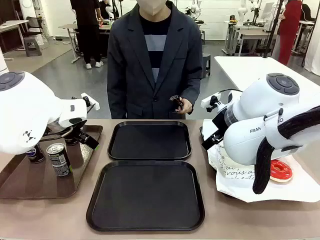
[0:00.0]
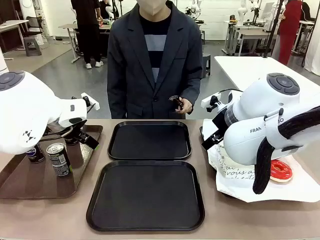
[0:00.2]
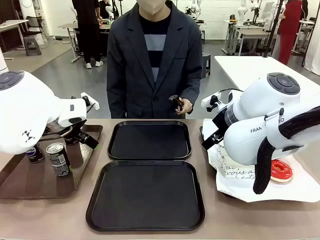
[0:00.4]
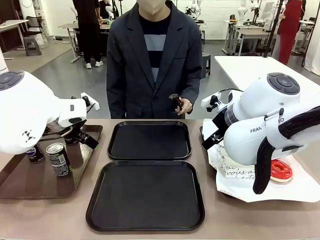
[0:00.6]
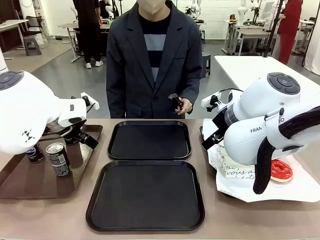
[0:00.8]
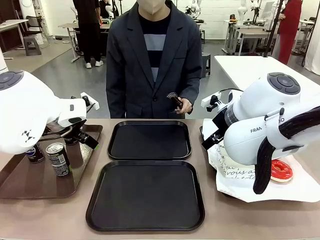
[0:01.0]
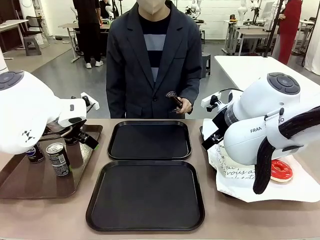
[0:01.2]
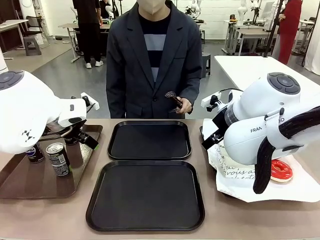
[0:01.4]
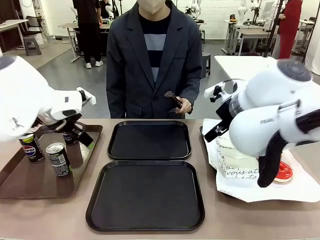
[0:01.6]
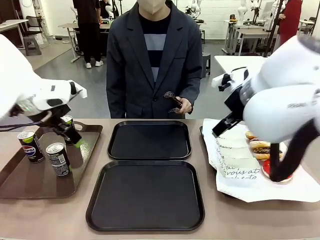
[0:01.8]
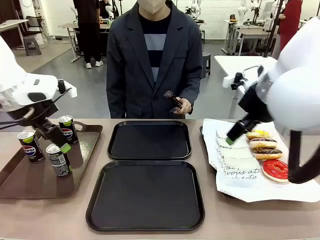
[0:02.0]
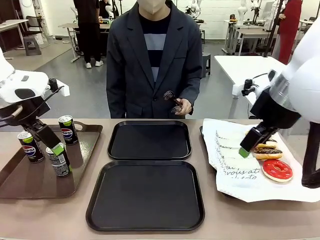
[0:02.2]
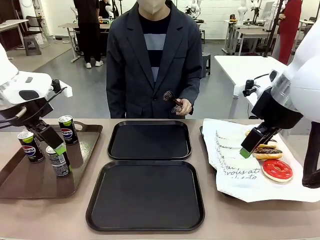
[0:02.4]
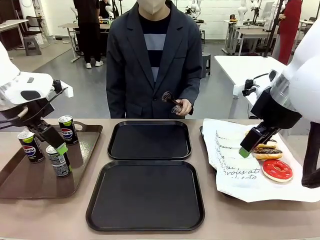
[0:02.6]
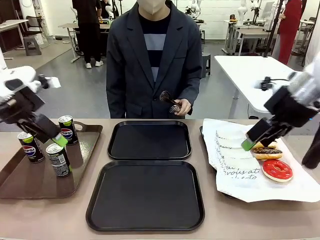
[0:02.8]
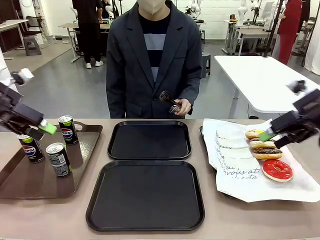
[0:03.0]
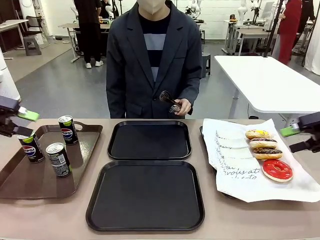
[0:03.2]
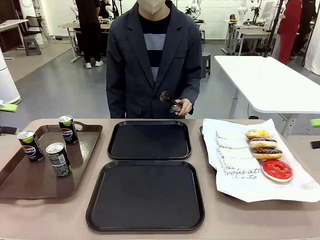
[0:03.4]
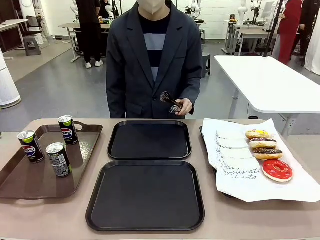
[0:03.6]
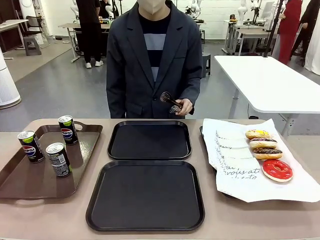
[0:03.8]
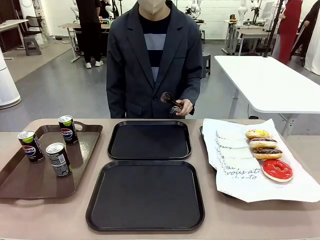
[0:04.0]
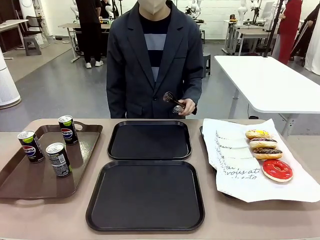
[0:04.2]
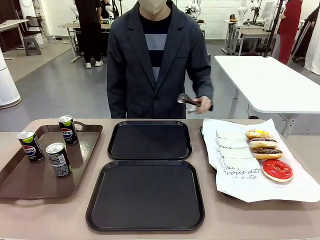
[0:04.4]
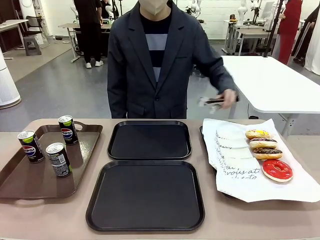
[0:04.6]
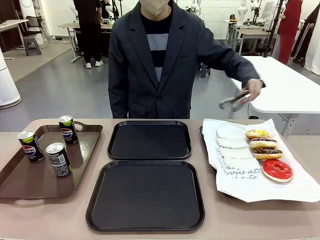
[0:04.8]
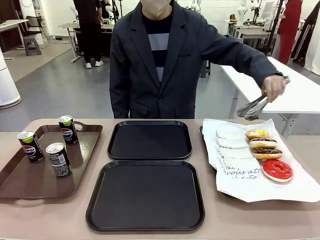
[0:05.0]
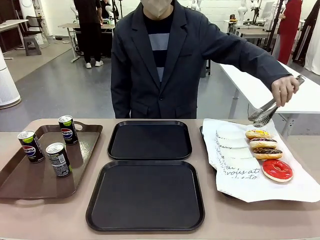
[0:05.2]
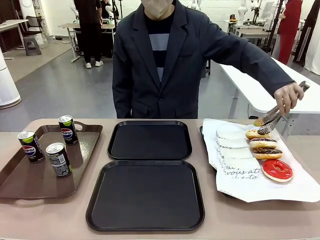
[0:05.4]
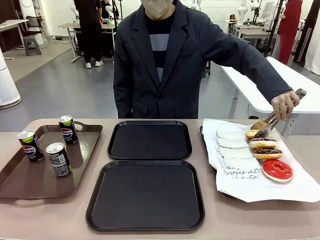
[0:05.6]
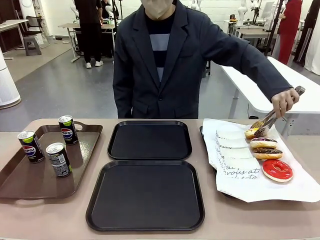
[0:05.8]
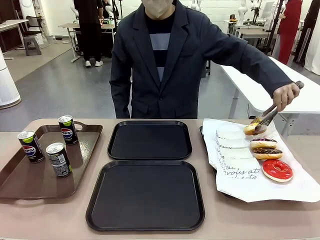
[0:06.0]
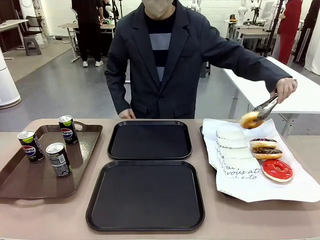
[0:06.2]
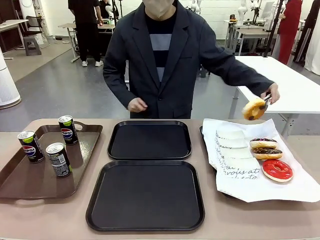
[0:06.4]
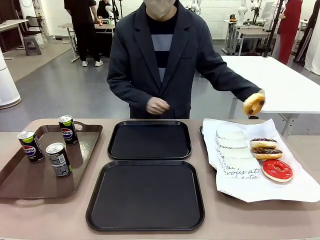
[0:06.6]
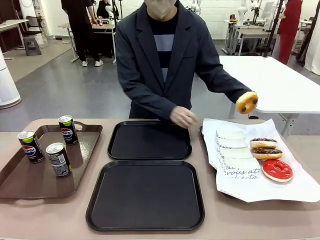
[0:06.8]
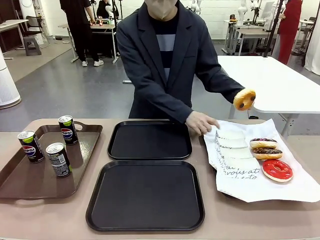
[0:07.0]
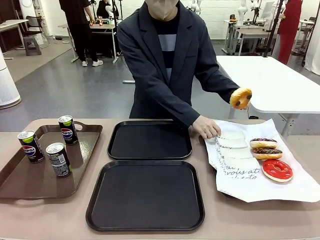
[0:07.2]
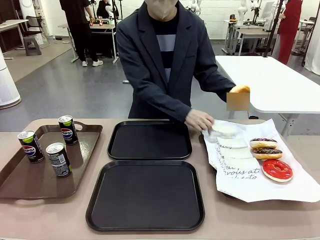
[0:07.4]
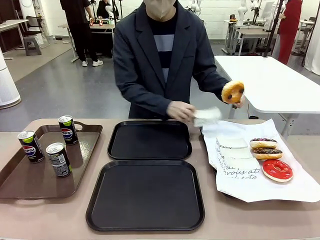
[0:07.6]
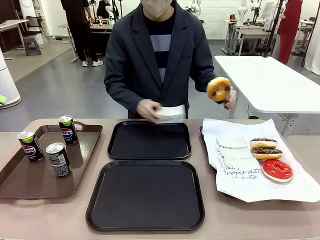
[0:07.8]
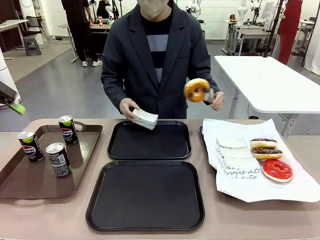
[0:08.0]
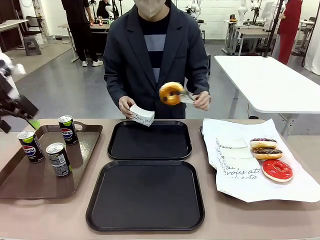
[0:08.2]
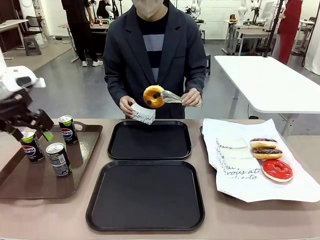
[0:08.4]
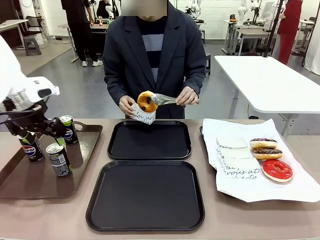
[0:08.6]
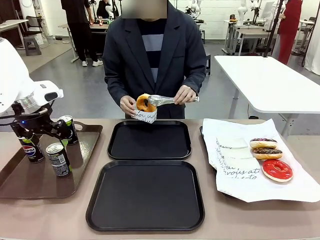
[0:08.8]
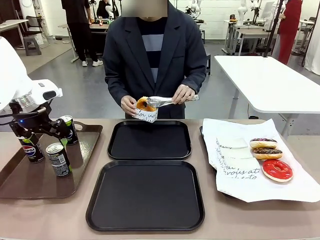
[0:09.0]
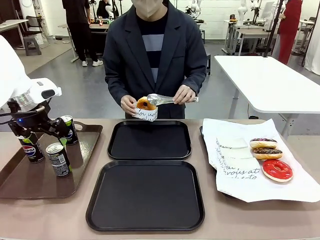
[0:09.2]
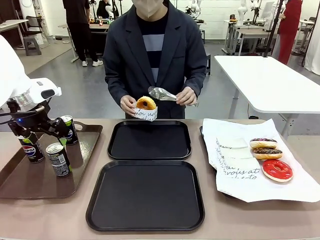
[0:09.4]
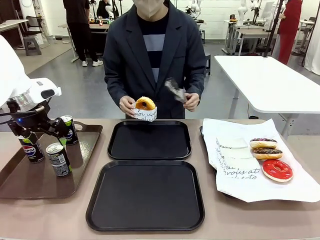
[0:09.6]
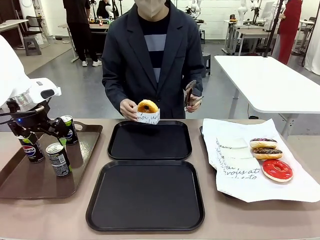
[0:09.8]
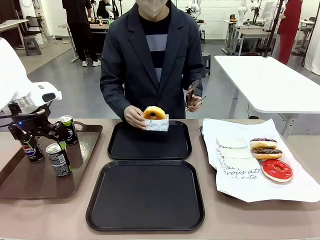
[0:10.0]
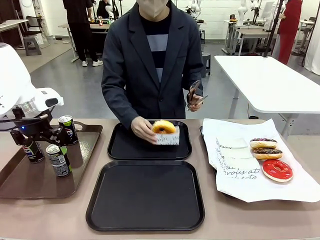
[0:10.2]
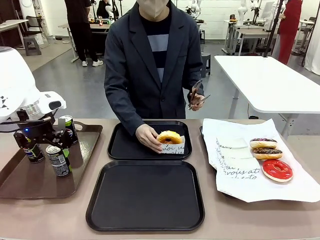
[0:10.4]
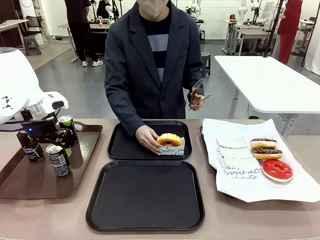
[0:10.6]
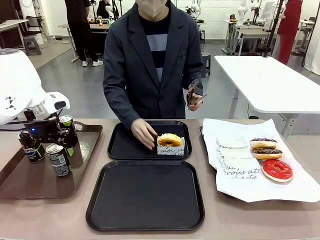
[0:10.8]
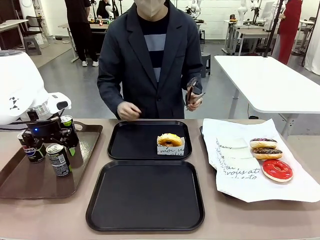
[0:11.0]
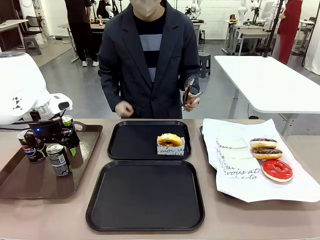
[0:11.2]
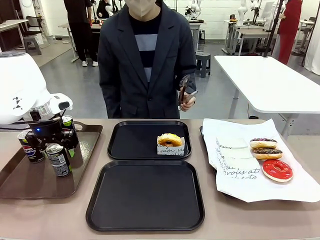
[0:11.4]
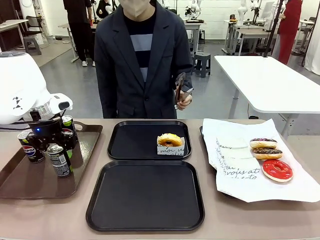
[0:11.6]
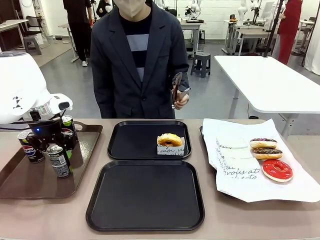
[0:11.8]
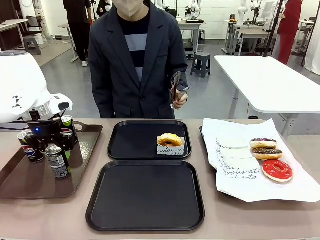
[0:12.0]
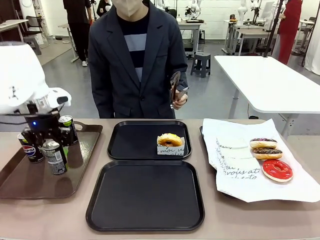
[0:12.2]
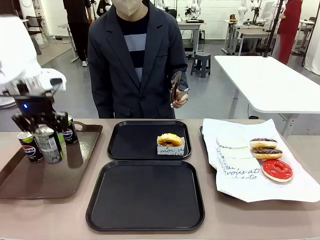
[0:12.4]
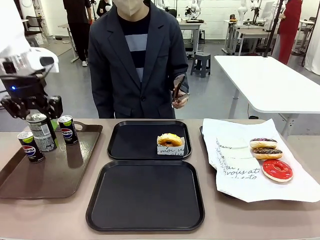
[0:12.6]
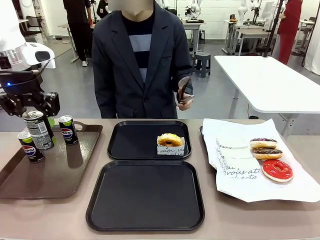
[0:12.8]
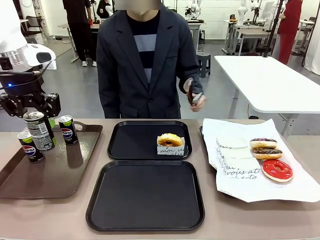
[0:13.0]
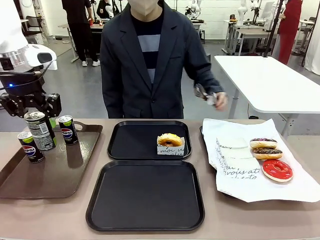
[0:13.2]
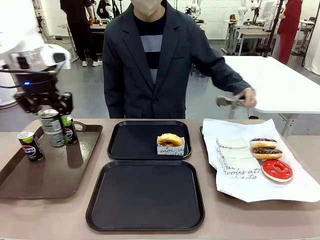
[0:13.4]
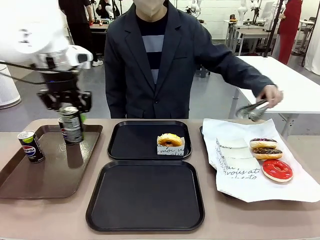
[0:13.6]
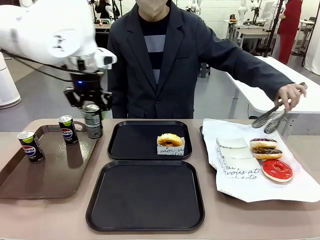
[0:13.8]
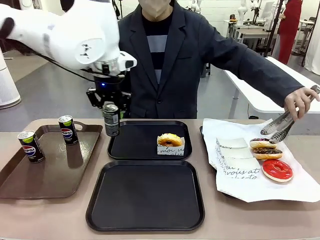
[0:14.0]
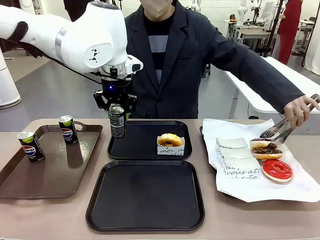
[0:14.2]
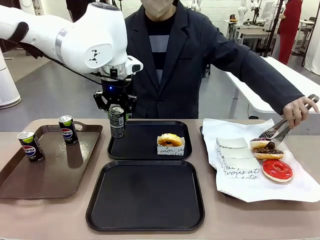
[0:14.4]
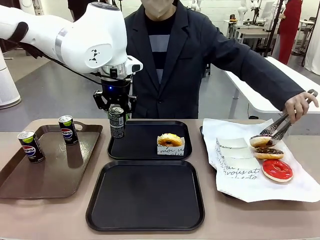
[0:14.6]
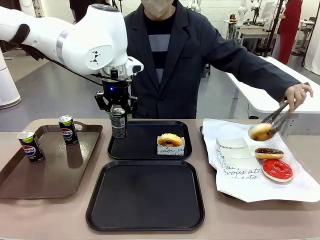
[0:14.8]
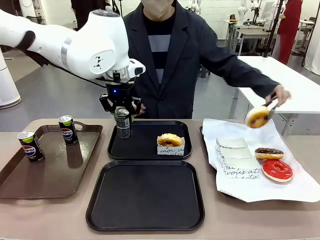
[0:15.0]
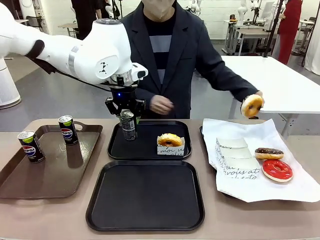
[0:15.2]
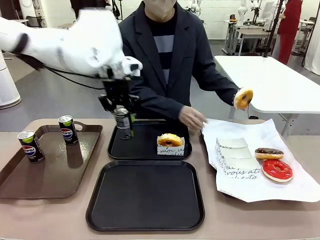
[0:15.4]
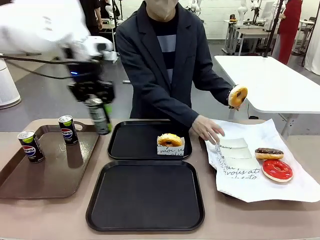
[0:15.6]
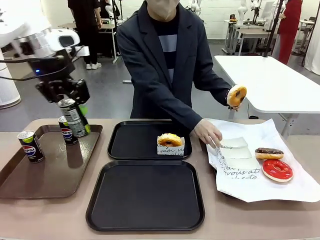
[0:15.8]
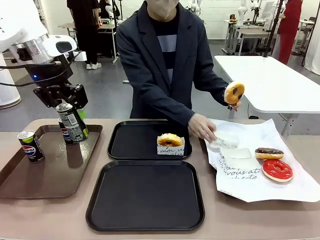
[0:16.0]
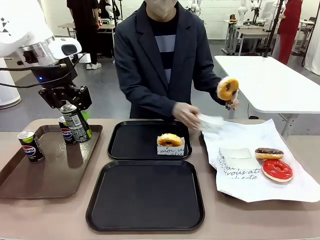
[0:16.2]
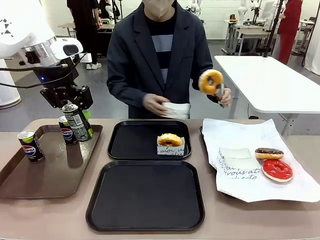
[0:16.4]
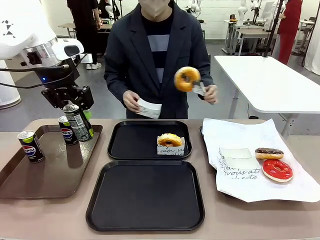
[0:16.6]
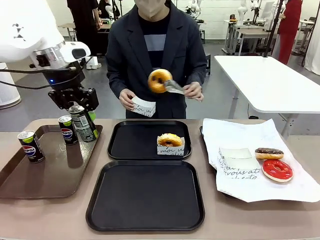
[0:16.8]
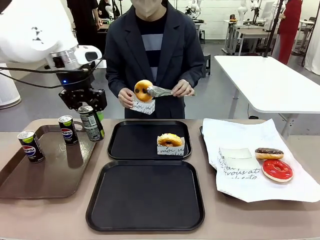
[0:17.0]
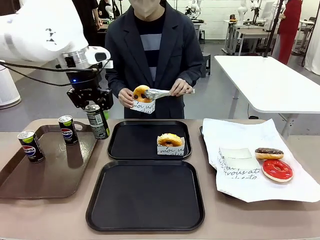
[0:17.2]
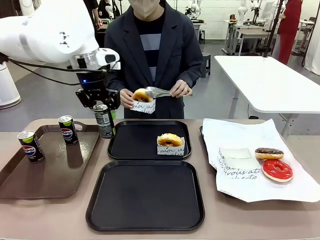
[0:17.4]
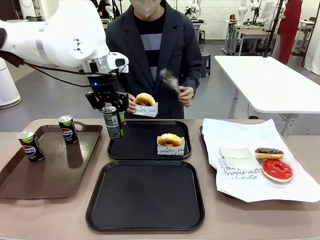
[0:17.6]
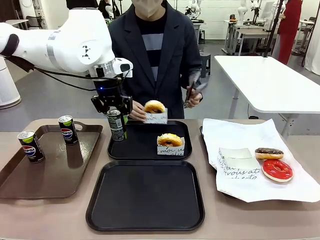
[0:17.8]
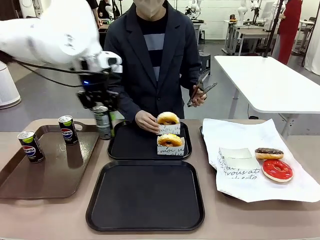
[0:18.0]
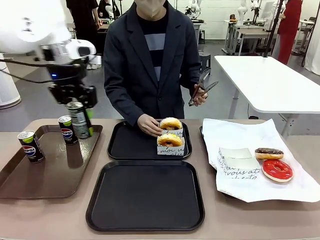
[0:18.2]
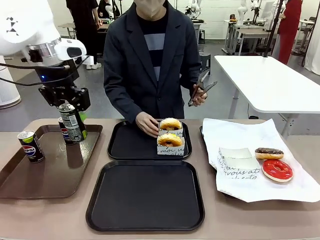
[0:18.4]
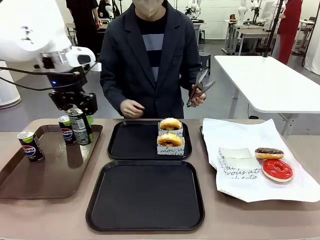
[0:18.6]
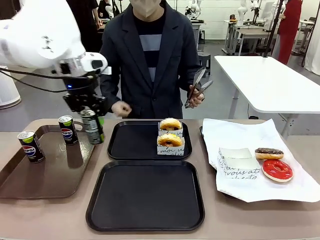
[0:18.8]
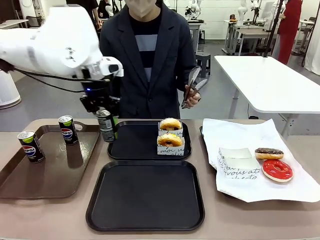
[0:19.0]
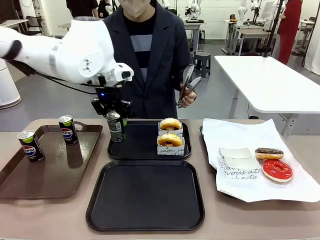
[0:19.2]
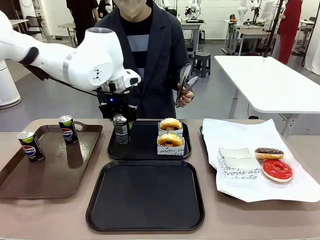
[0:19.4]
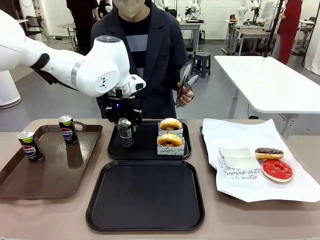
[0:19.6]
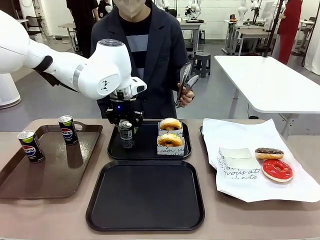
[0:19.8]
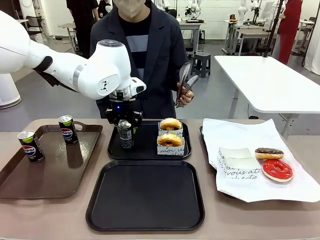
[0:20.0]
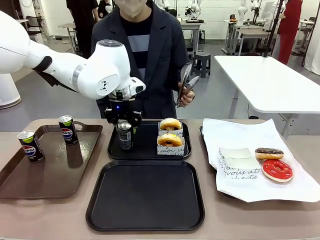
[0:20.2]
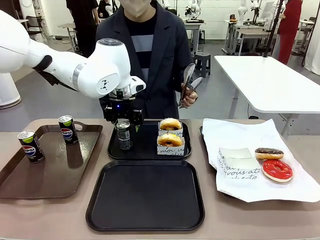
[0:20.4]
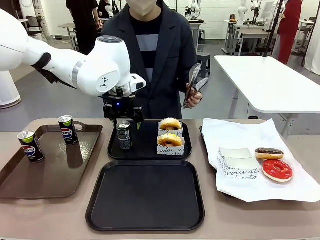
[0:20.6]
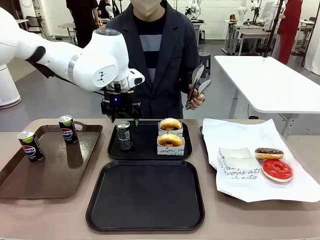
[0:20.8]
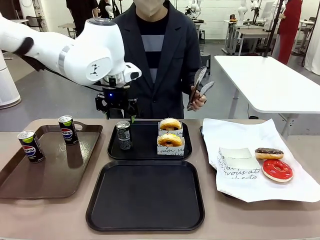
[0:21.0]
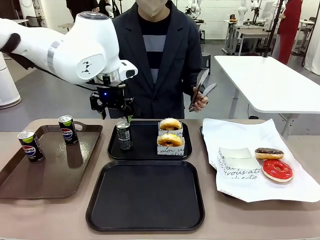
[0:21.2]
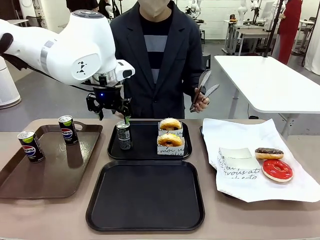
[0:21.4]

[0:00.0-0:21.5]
Task: Set up donuts and drinks on trays.
Robot: Pick up one Pepsi coke and place it on the Flat Tray.
